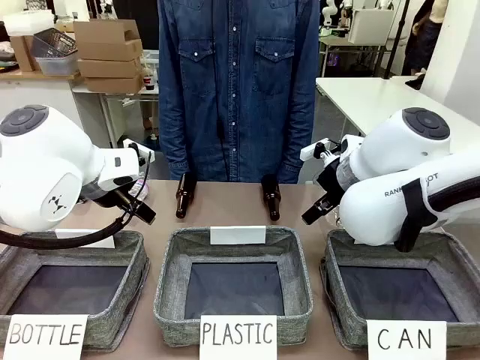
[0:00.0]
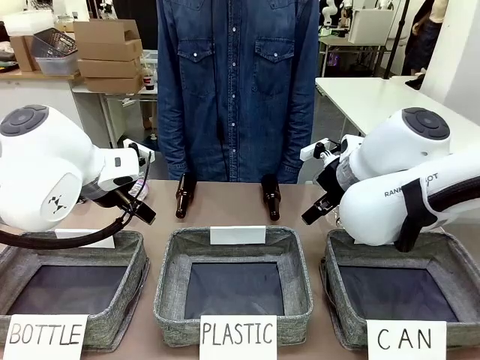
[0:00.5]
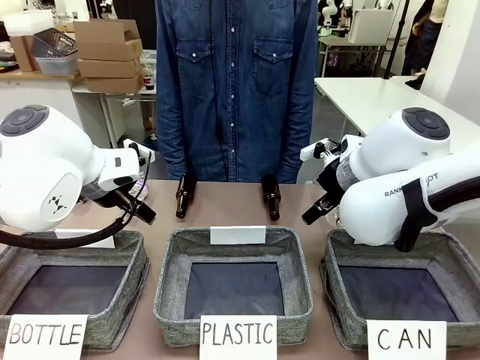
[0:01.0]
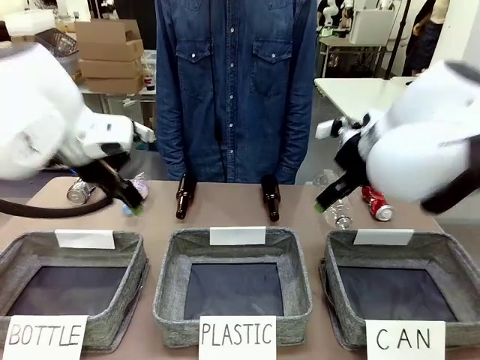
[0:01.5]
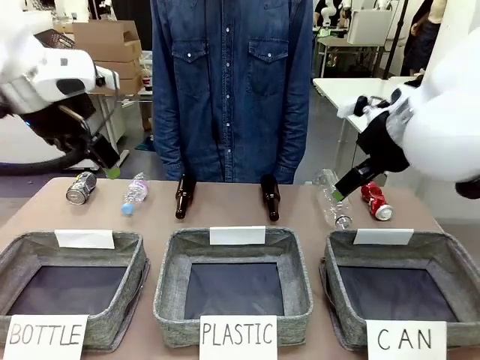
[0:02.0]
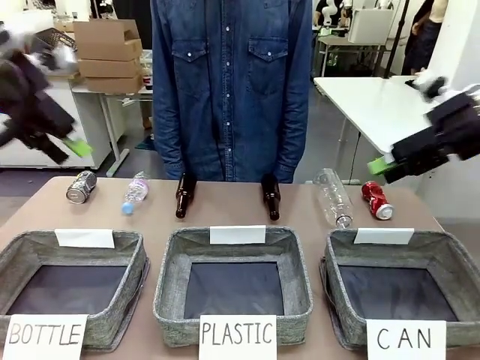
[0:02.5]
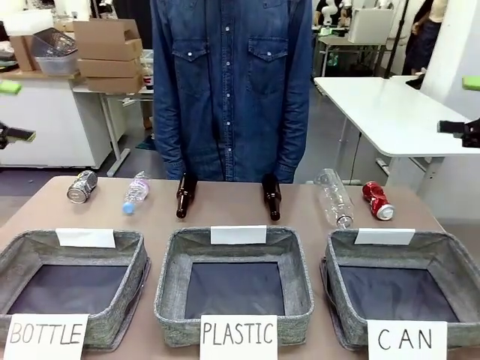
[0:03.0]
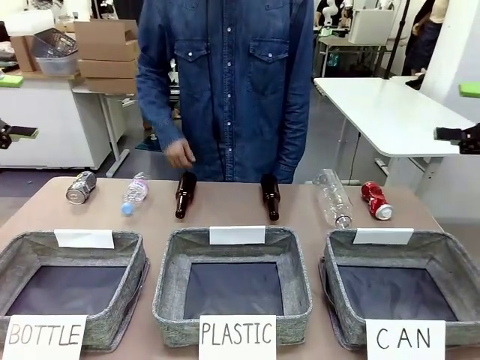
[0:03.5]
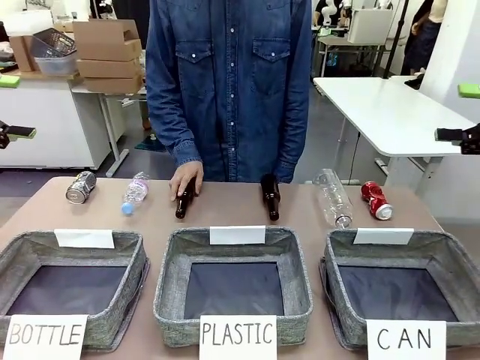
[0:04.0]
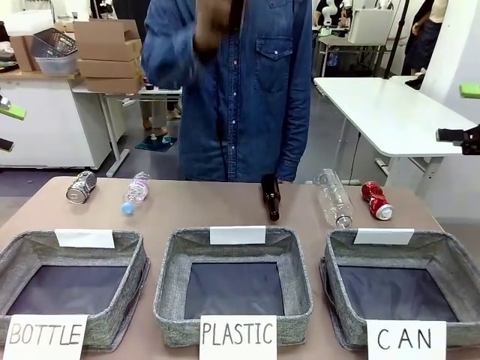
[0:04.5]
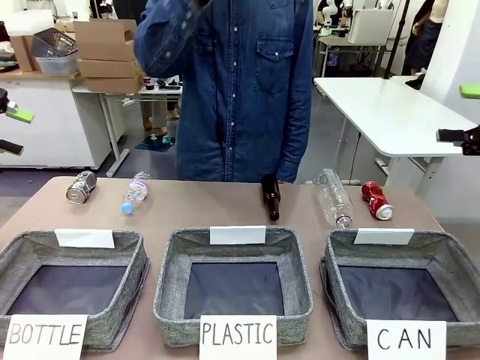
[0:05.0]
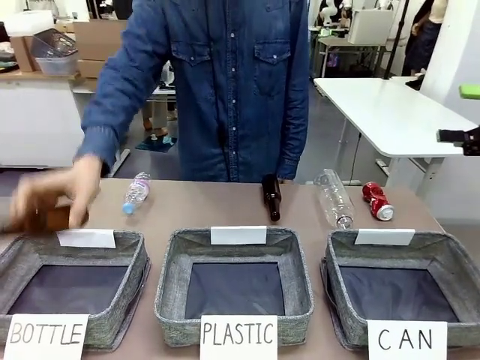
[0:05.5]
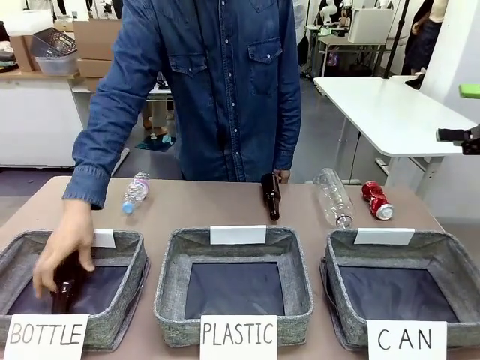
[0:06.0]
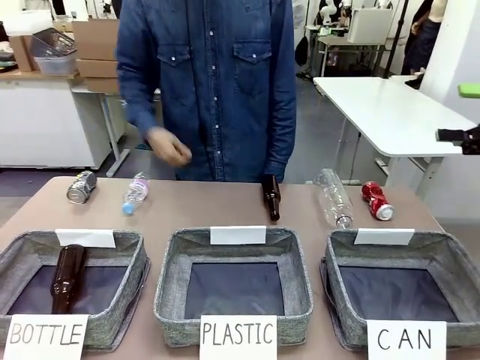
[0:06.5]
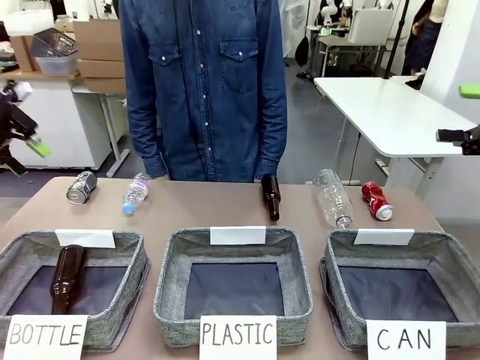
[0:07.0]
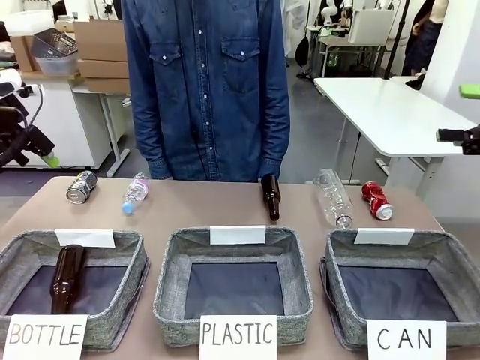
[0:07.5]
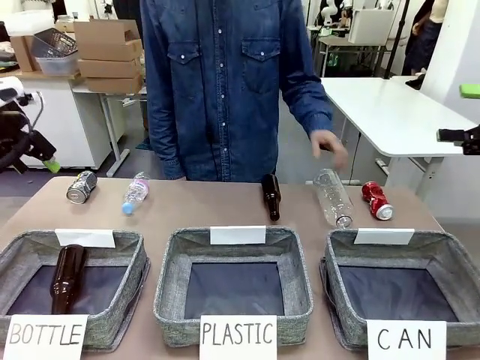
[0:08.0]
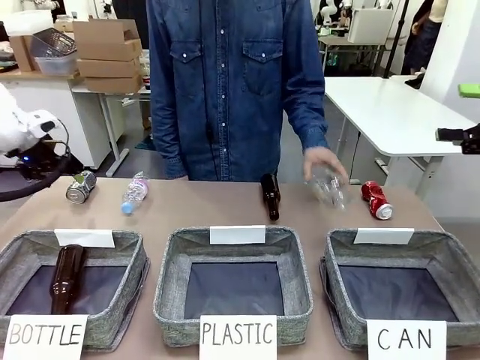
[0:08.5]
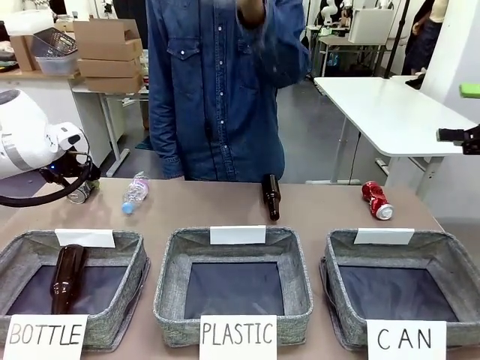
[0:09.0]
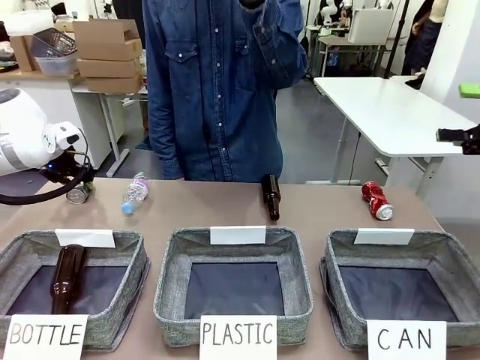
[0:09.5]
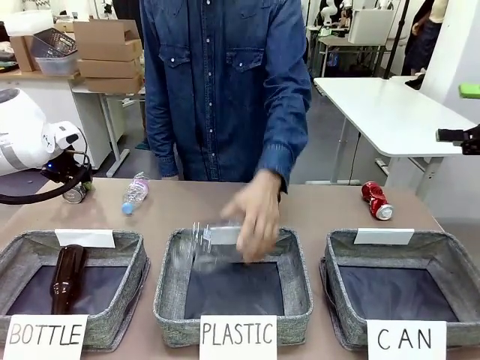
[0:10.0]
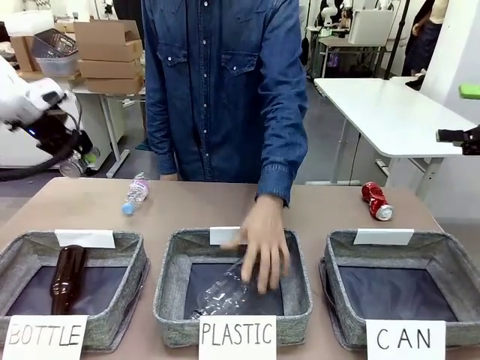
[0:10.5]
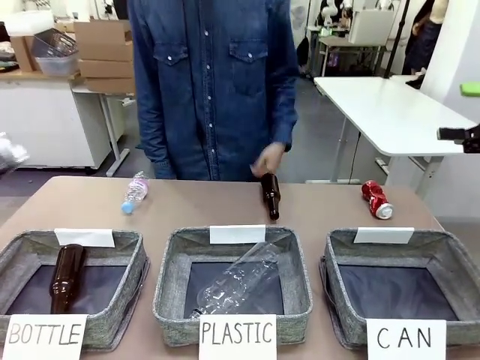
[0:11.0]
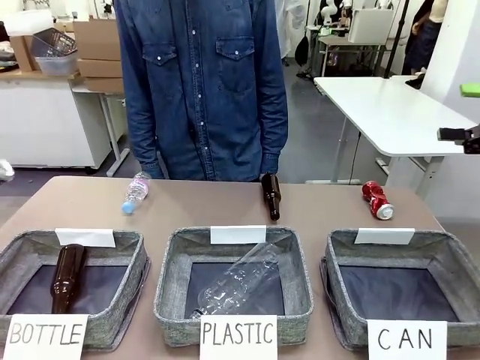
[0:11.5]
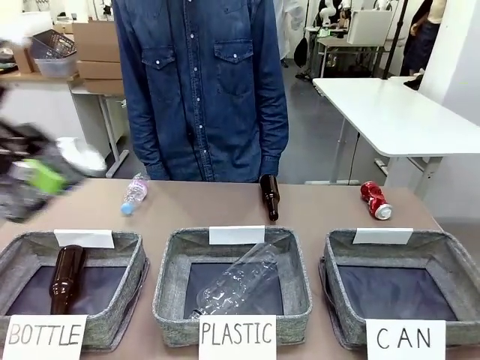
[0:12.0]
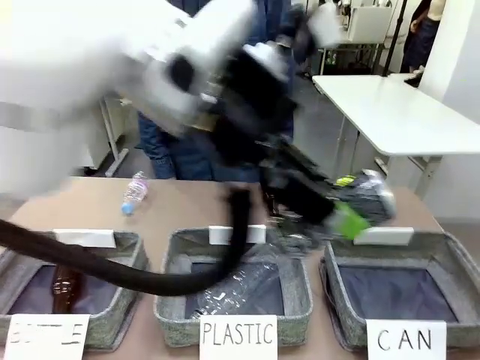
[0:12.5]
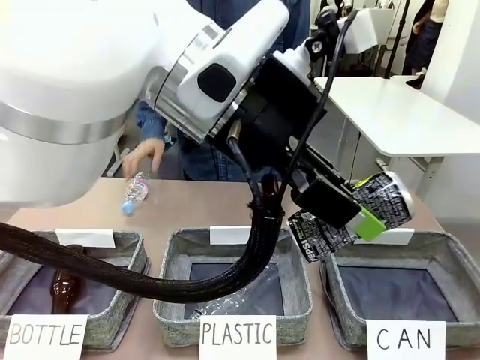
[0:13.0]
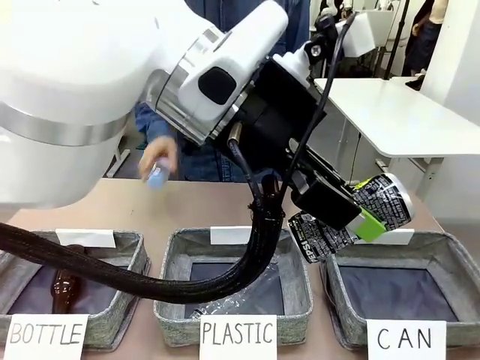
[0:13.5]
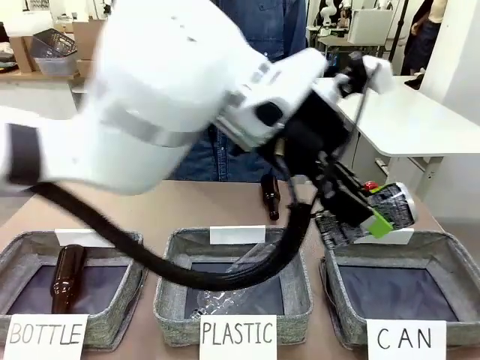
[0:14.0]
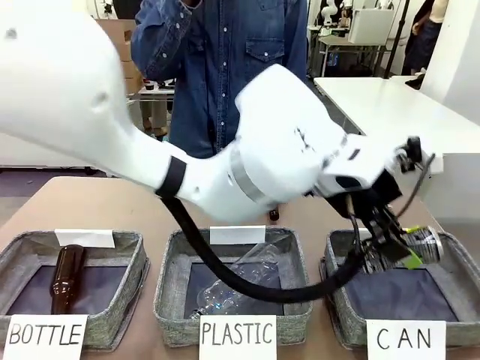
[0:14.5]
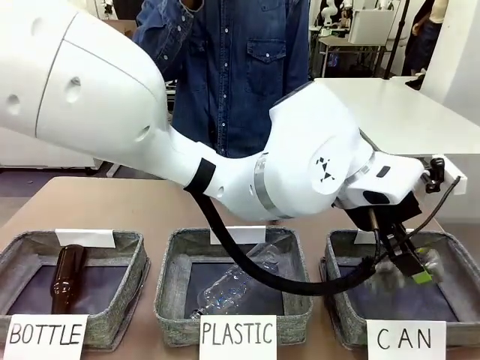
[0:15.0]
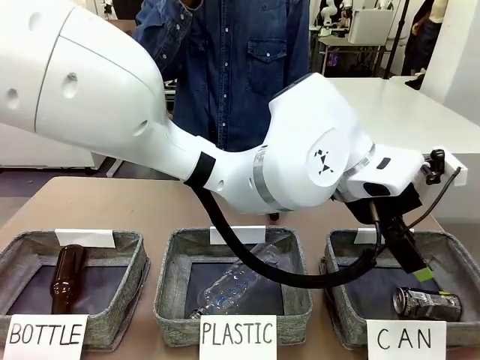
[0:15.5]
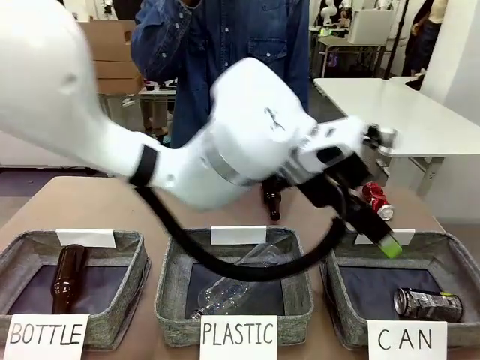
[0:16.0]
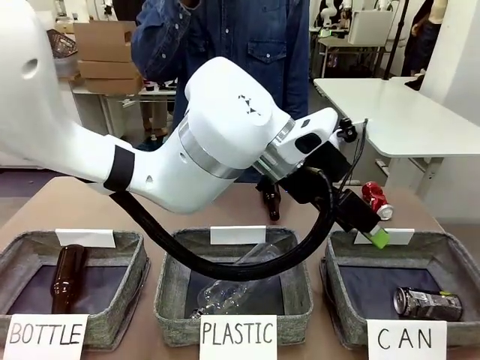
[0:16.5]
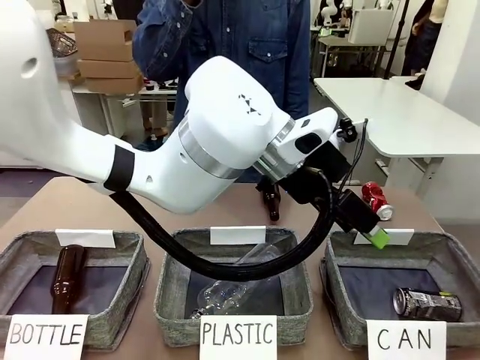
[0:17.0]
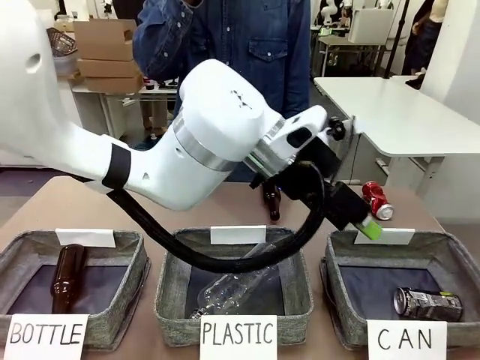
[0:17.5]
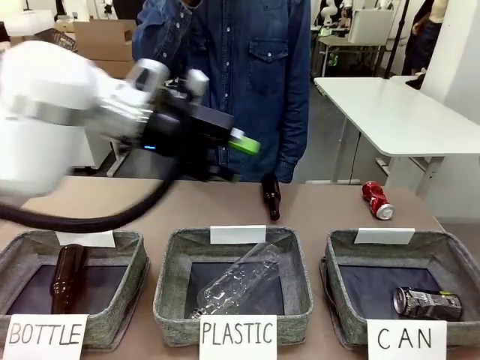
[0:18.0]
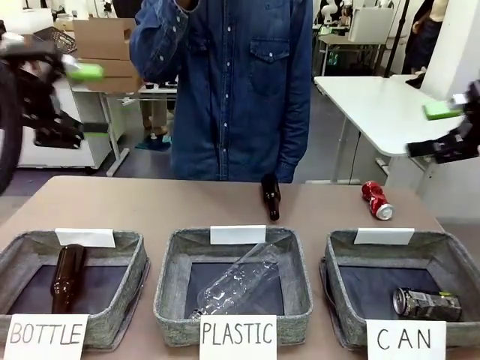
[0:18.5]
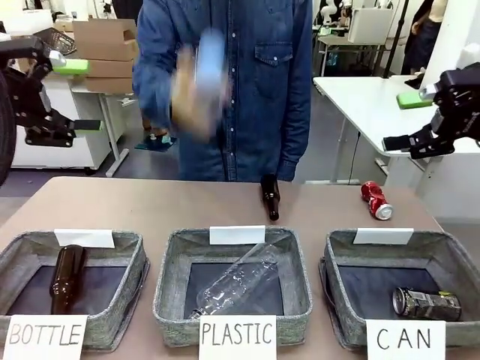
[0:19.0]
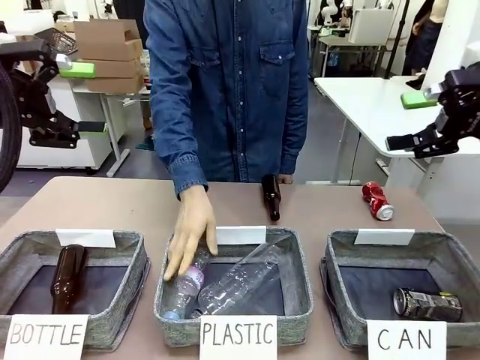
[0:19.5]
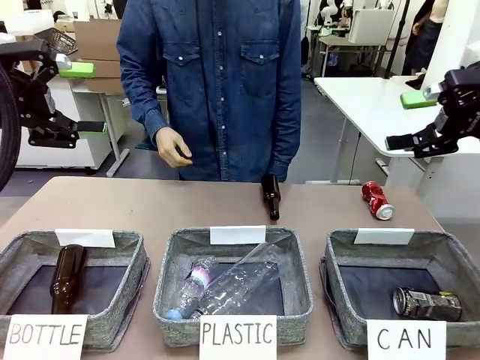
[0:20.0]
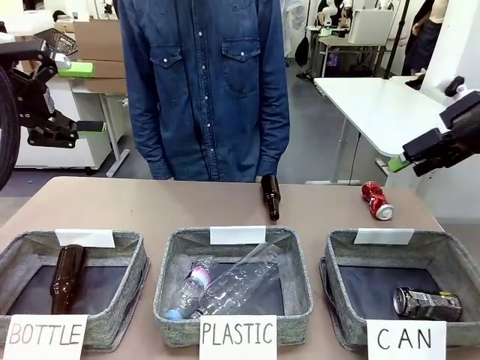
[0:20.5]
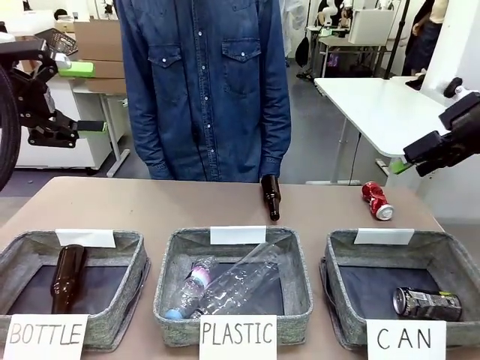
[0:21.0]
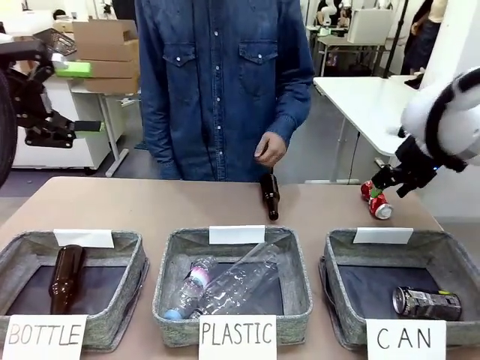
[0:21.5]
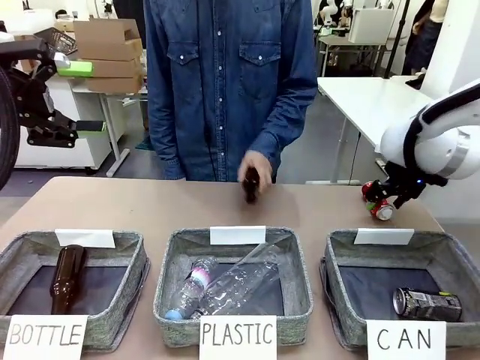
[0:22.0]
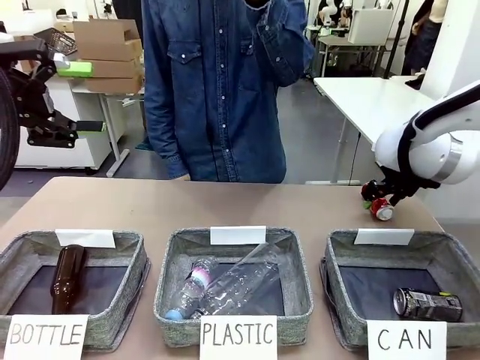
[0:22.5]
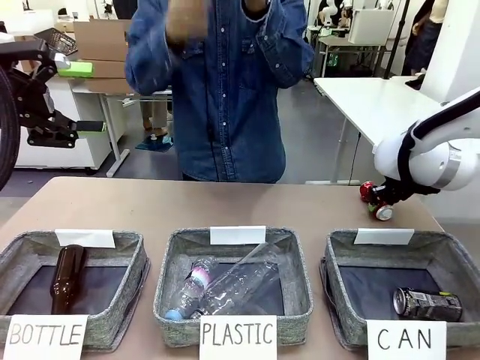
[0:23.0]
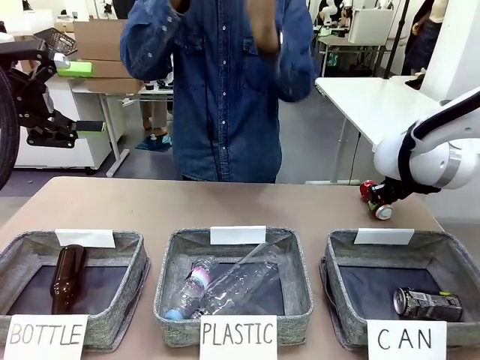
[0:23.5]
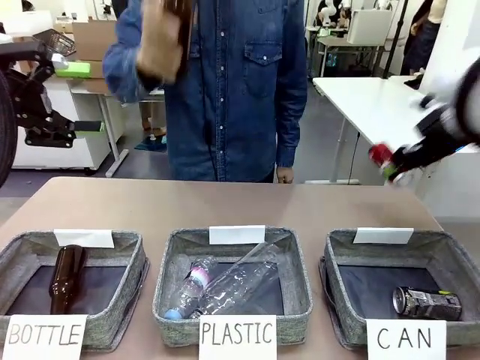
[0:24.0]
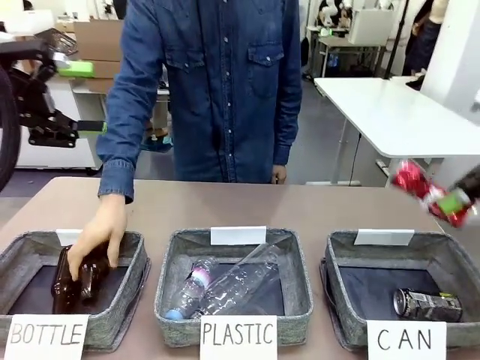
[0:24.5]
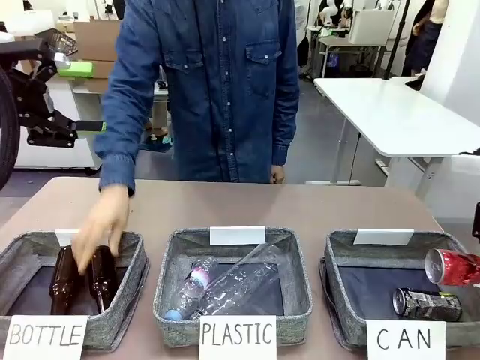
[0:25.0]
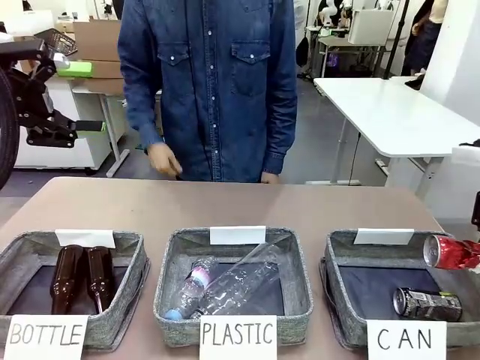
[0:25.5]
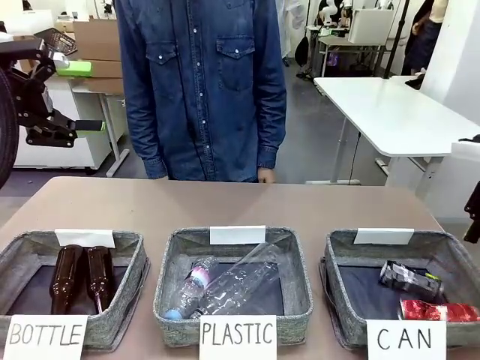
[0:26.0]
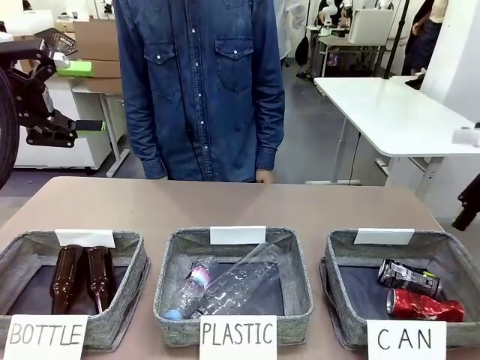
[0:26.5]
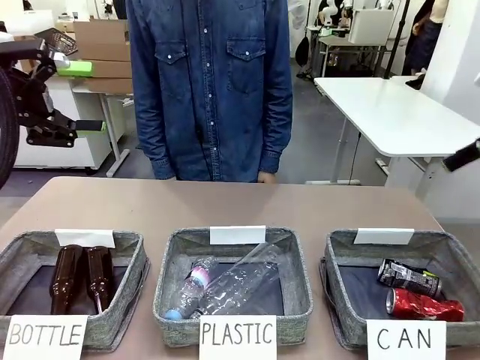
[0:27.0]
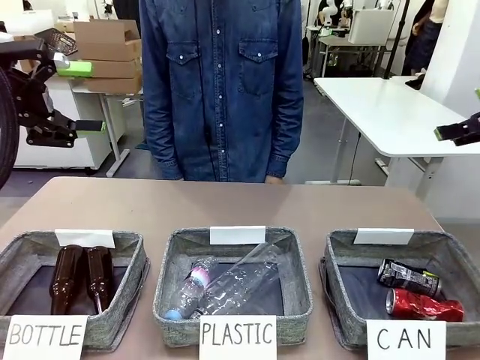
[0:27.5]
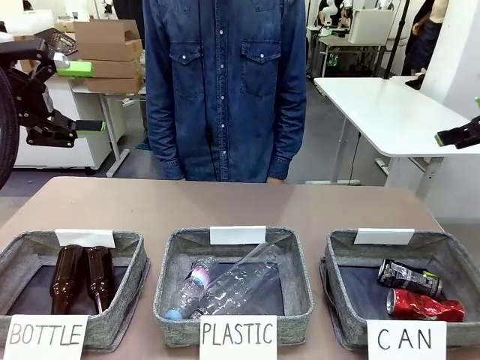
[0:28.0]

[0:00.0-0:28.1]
Task: Sort the can waste into the basket.
Robot: Pick up the can waste from the table and place it in the right Fabric basket.
Person: The human picks up one piece of trash that is not a can and places the trash into the appropriate organizing basket.
